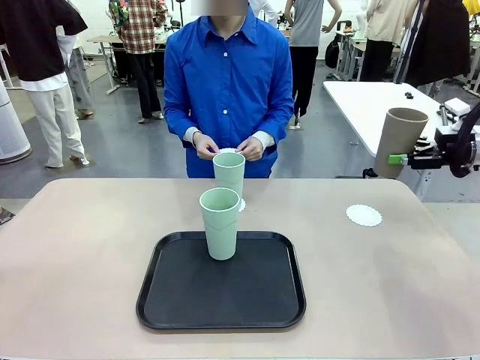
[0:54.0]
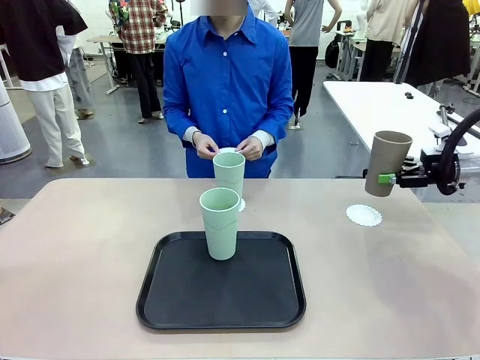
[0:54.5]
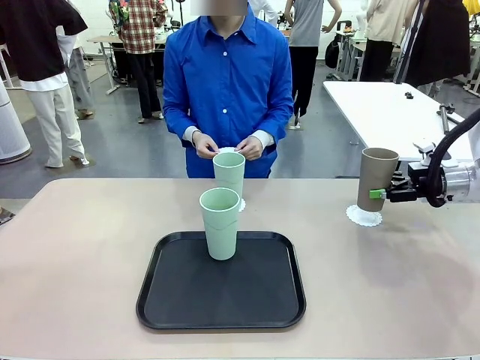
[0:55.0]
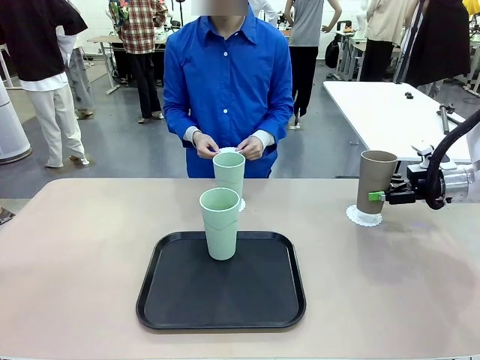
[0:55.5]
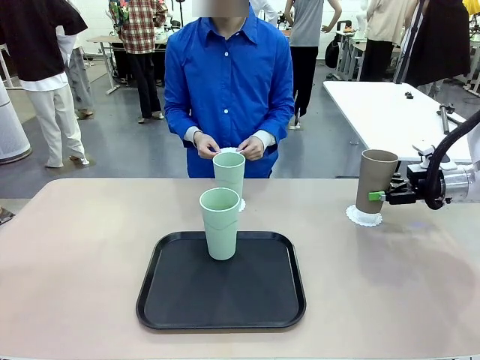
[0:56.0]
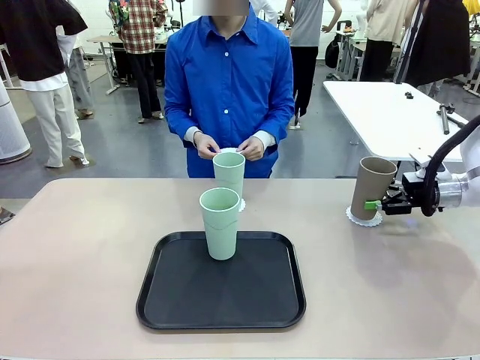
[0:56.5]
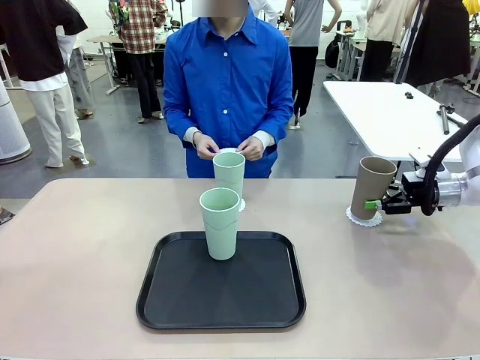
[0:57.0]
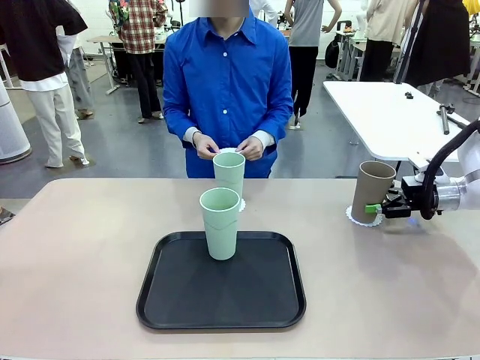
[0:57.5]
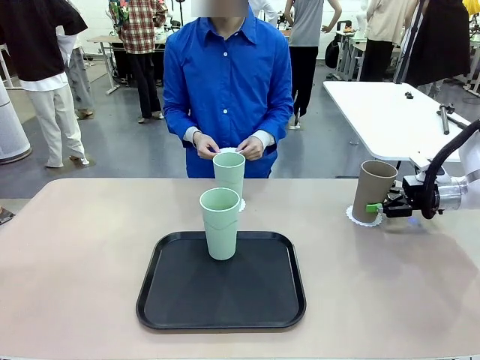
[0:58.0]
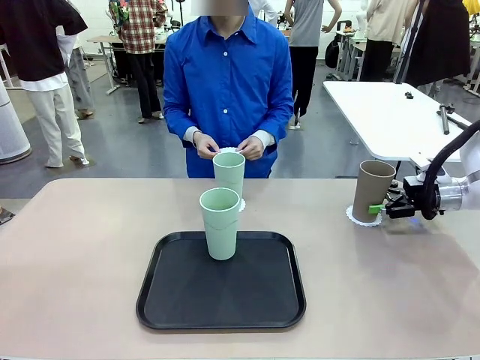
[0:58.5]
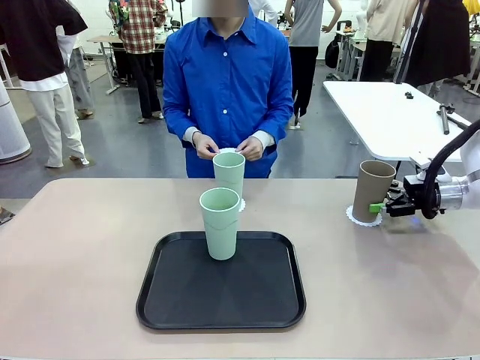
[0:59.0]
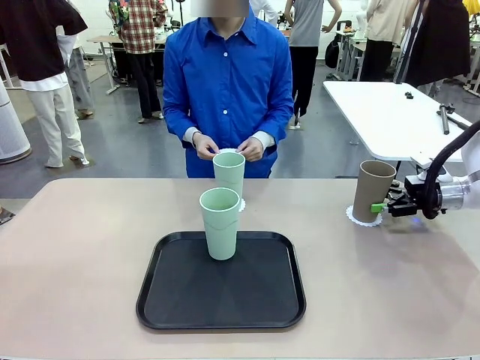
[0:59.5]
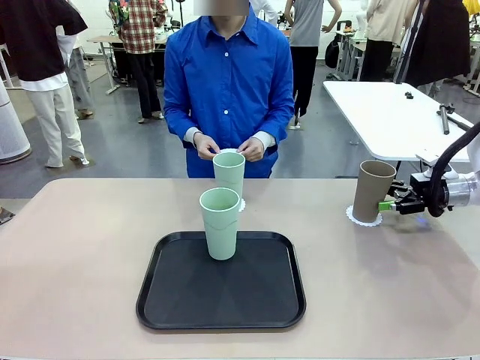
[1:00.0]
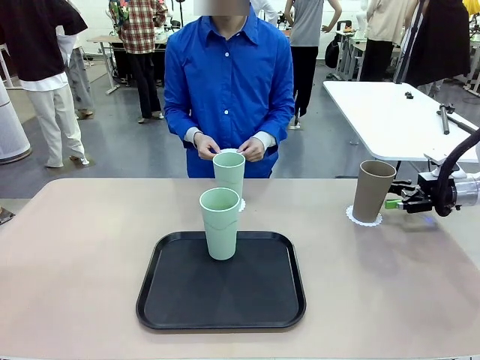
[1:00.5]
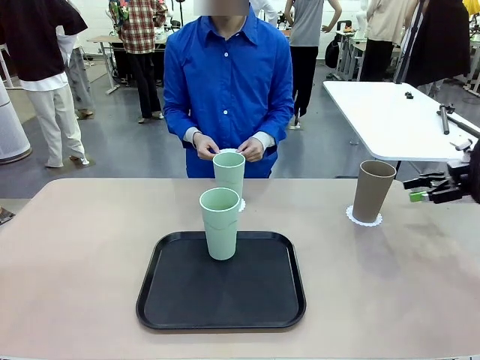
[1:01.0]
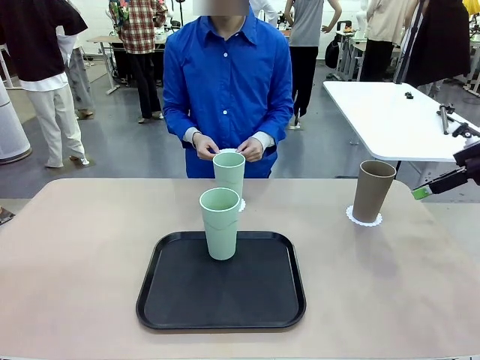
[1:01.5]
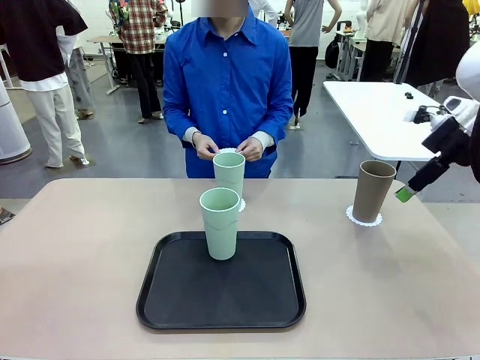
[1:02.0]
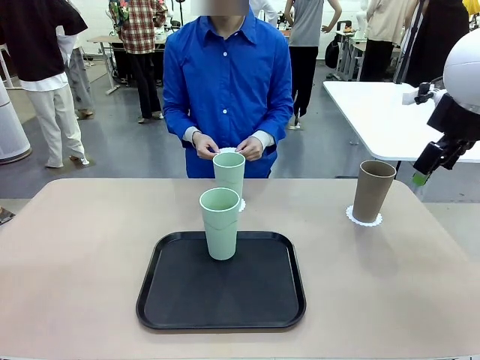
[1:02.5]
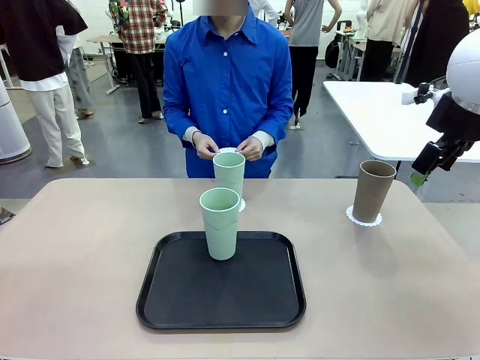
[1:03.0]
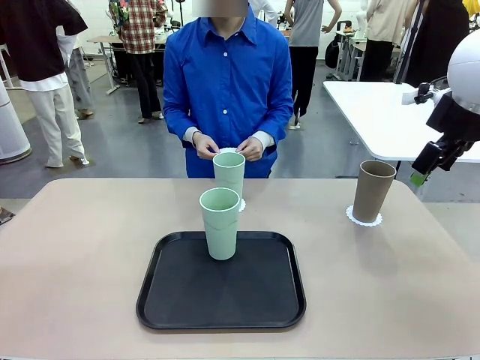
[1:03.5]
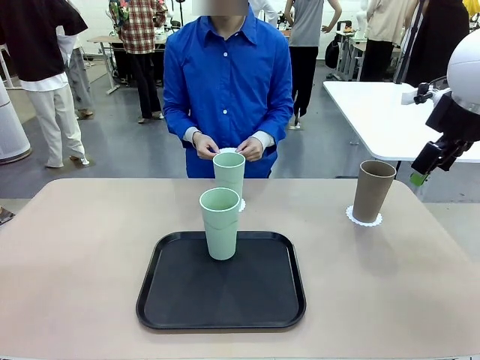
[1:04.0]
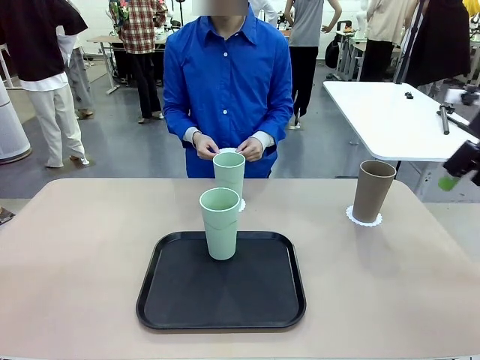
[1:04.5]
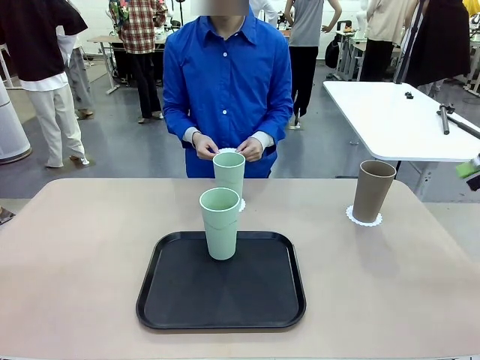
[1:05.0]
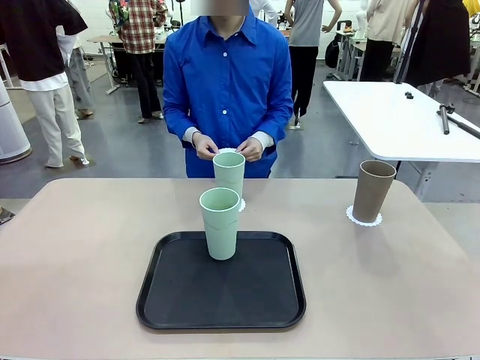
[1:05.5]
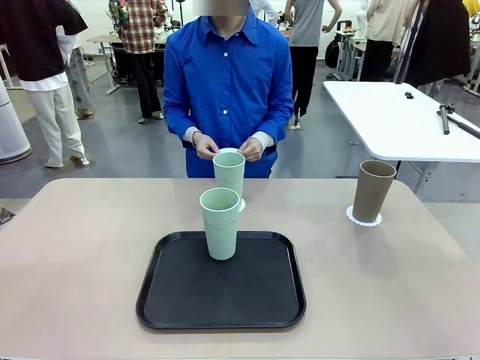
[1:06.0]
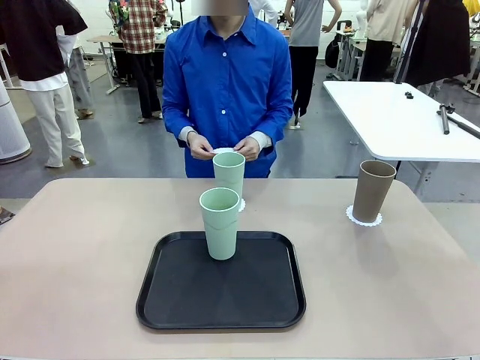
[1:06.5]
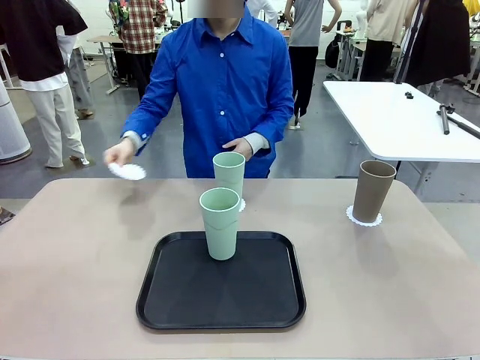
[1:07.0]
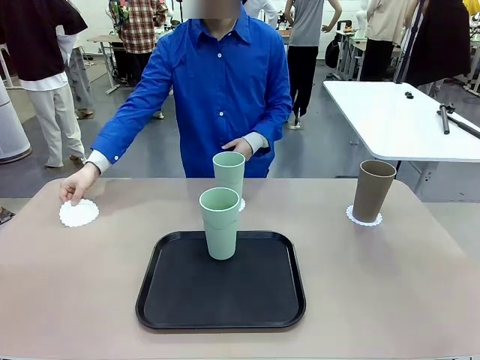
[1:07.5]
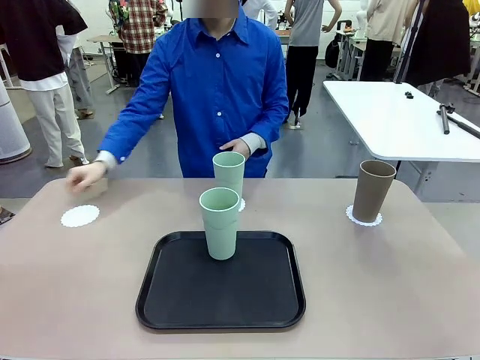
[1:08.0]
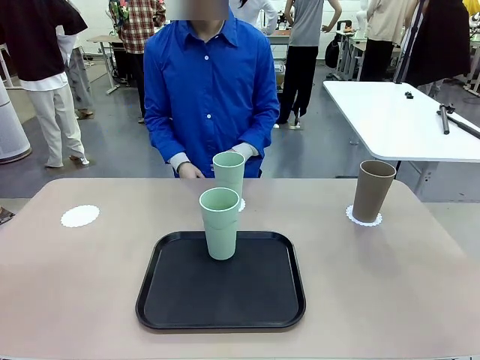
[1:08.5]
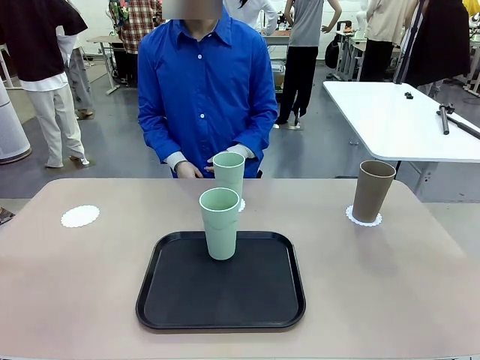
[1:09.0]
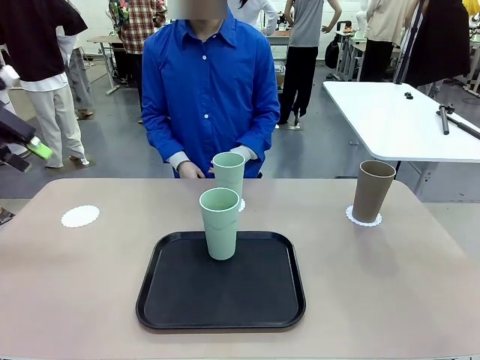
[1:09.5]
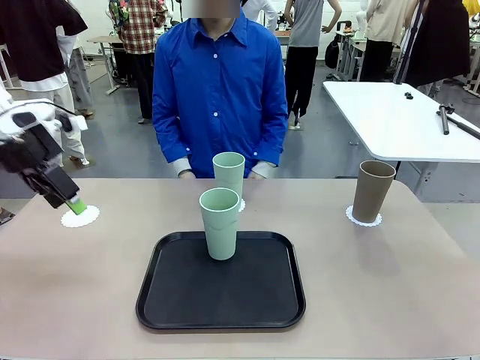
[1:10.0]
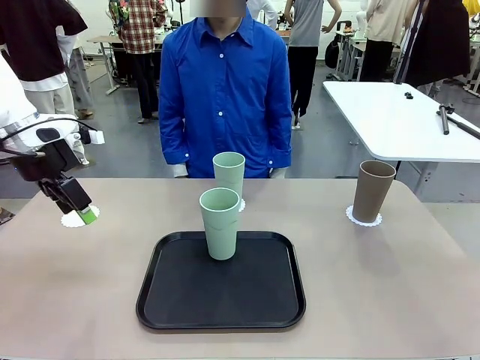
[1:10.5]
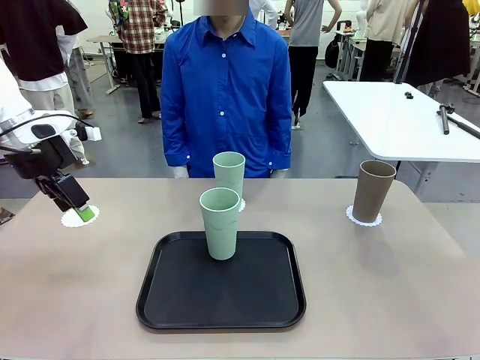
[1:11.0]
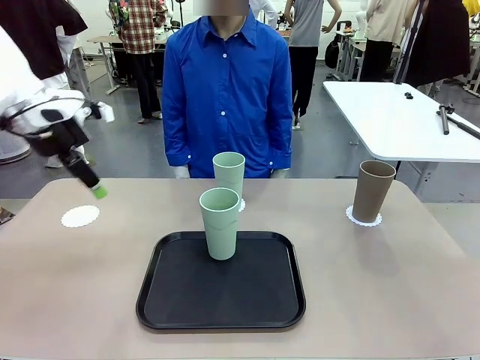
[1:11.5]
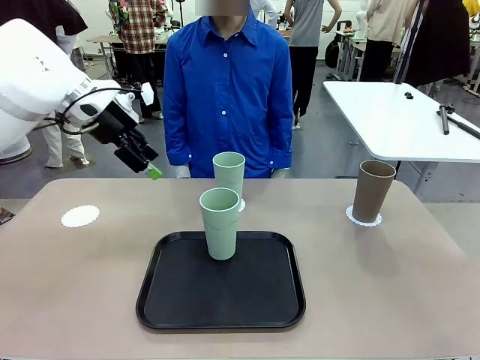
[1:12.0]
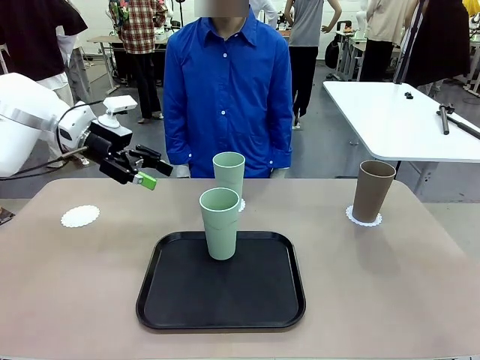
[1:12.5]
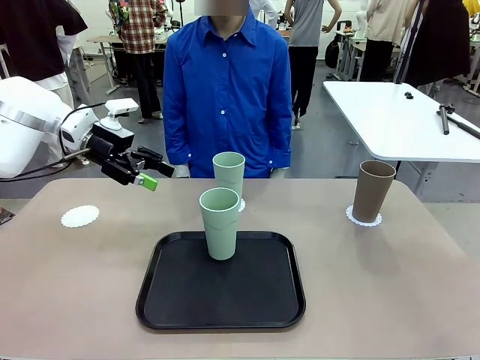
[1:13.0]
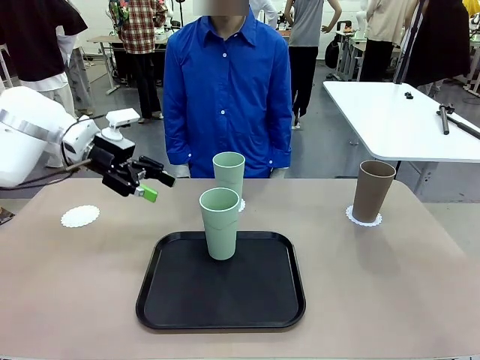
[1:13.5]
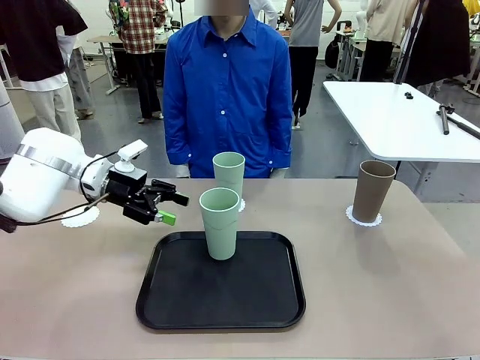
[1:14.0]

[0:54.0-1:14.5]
Task: Place coasters on the table and set cups on them.
Robot: Take one Reusable plastic cup from the Flat Tray and place it on a coaster set by the human.

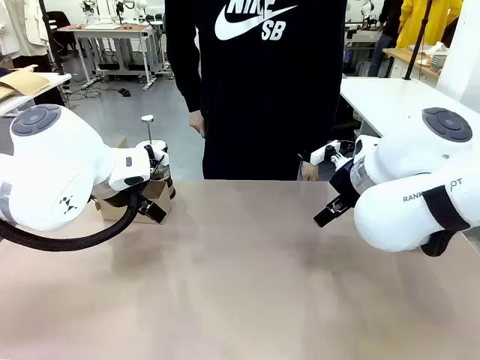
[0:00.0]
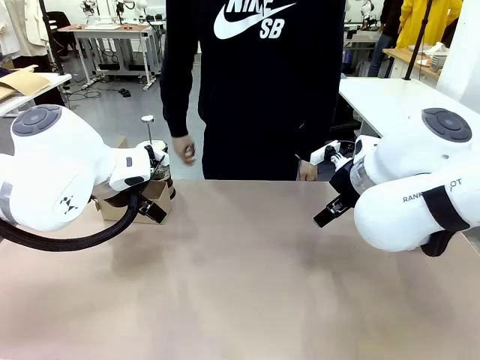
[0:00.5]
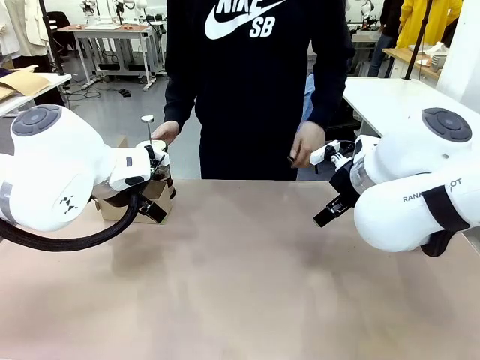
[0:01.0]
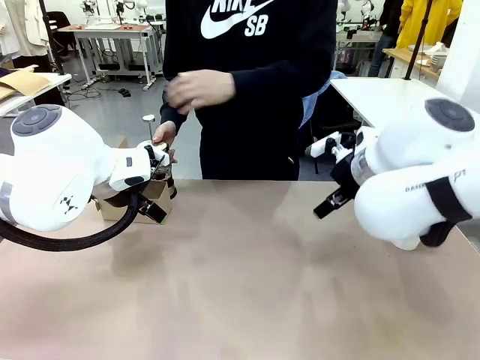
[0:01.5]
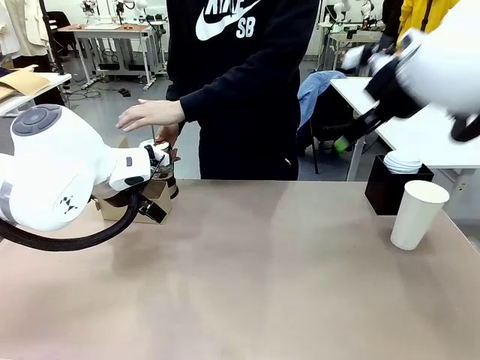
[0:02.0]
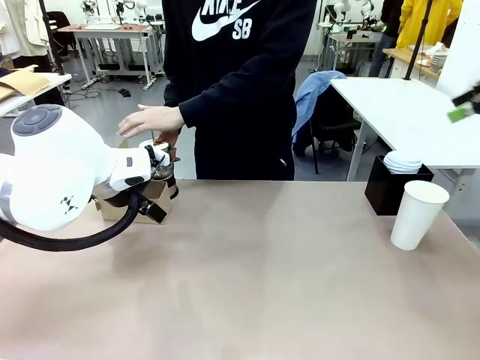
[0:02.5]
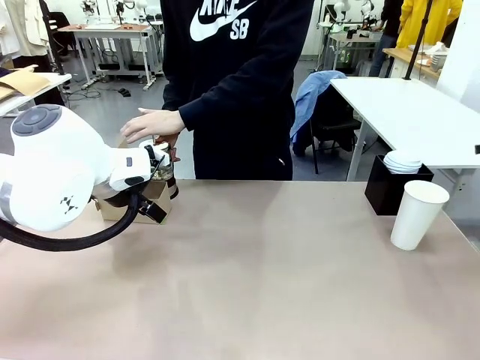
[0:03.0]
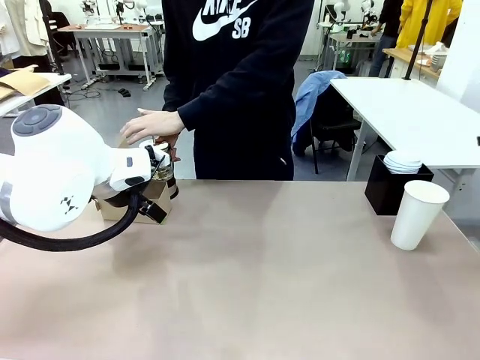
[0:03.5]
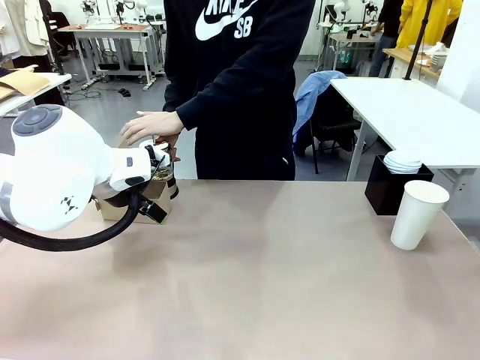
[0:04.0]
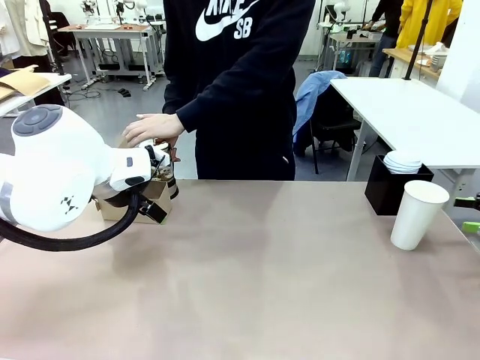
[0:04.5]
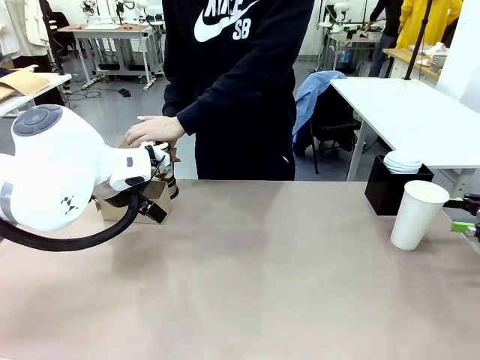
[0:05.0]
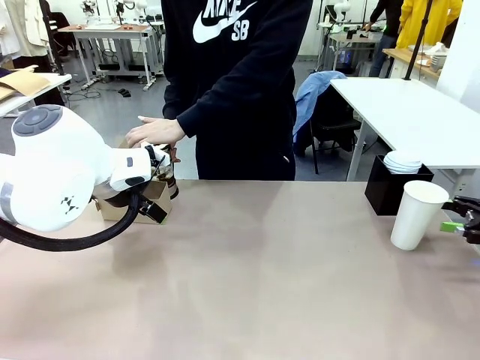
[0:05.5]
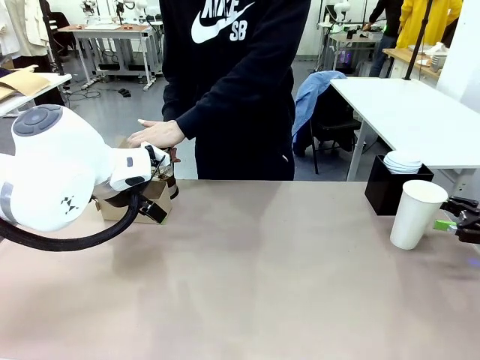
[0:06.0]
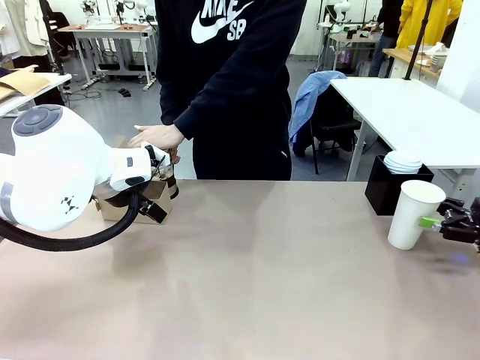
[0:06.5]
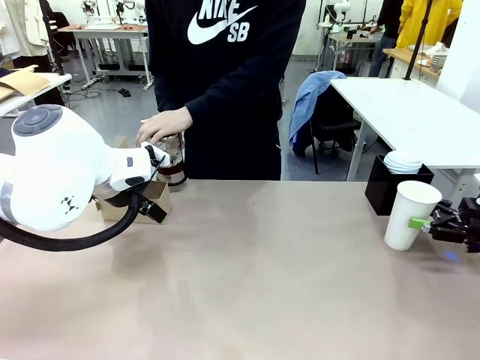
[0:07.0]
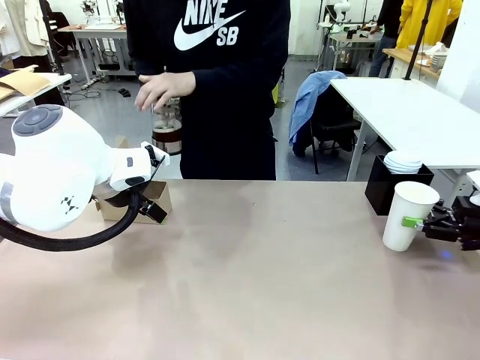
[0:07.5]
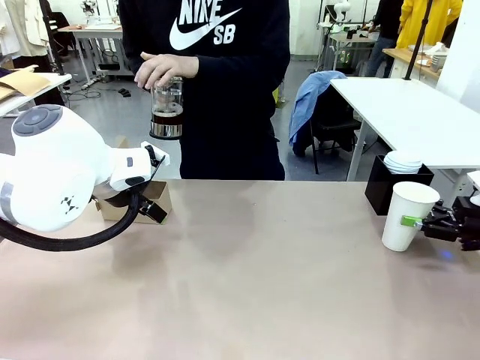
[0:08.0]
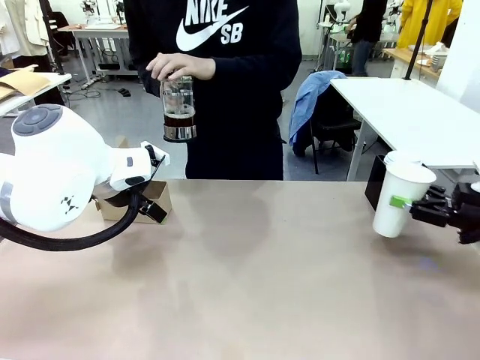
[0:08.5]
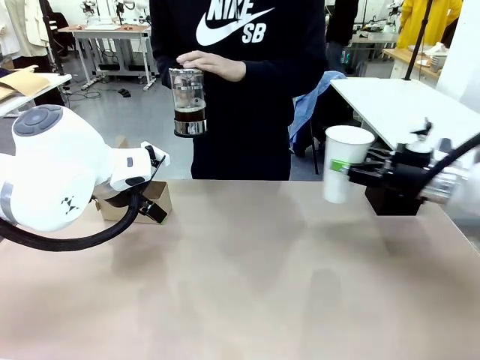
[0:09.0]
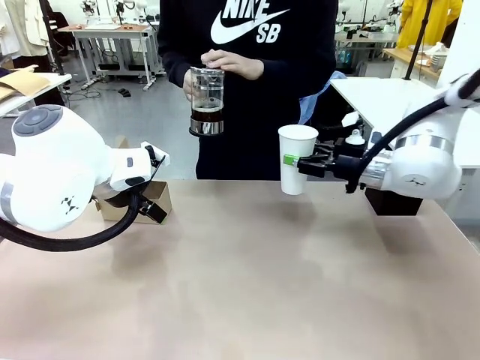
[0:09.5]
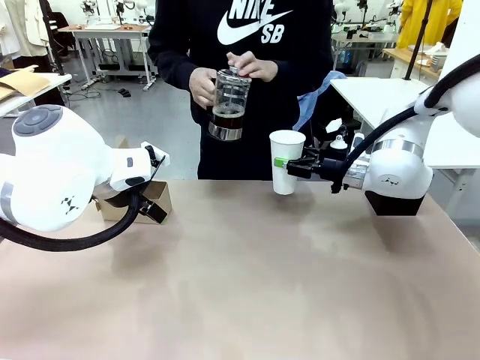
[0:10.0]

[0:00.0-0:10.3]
Task: Pour a drink into a cup and package it in a carrier.
Robot: Pick up the 600 ml Paper Cup and place it in the middle top area of the table.
Person: Press and pick up the Filter Brewing.
